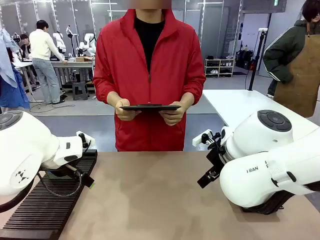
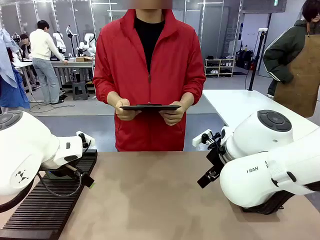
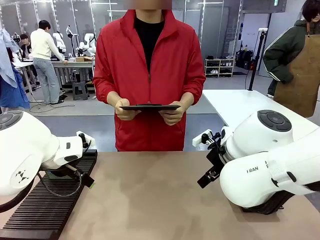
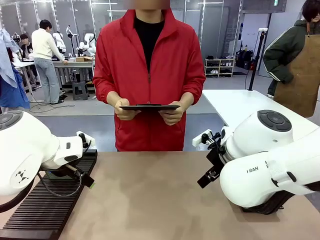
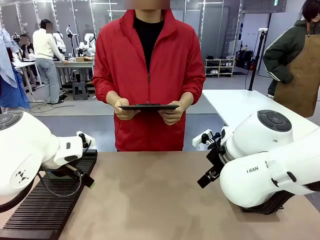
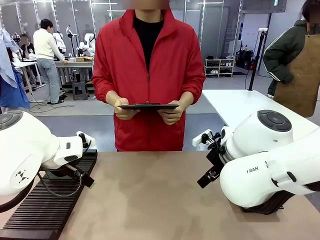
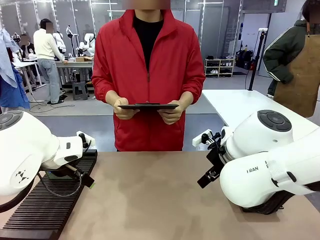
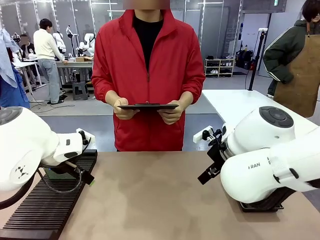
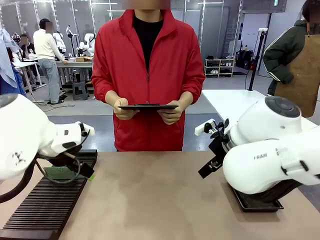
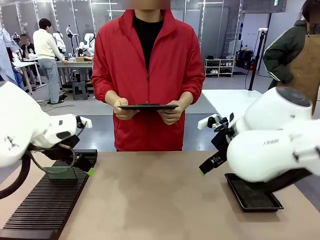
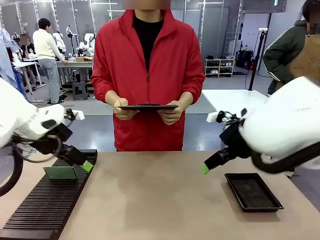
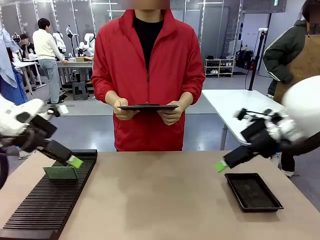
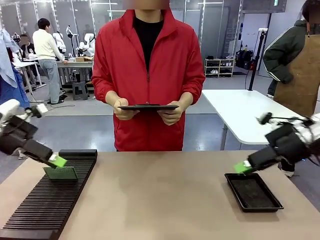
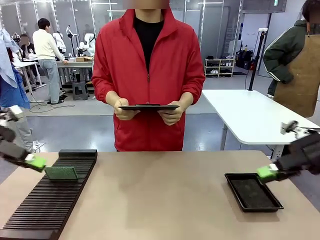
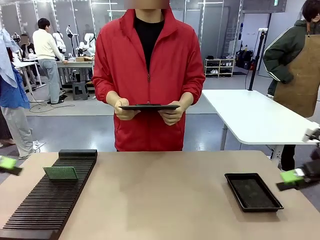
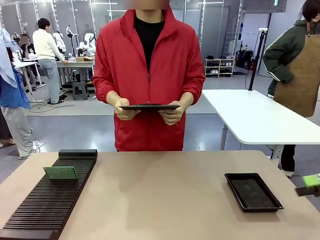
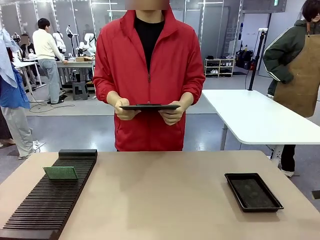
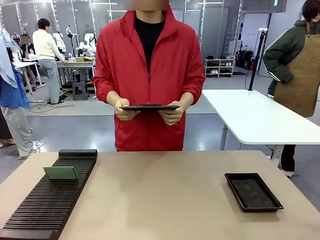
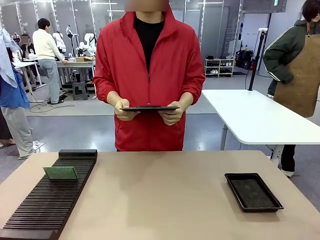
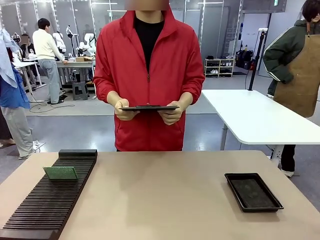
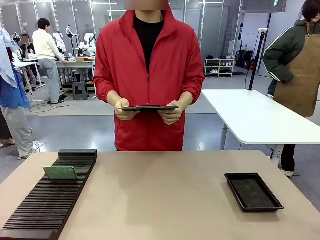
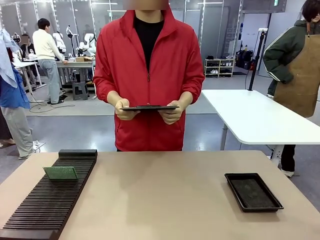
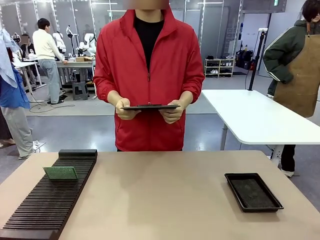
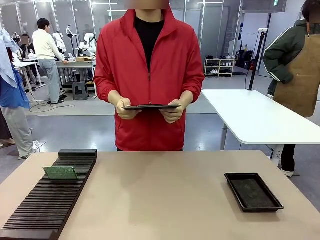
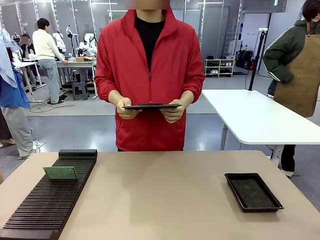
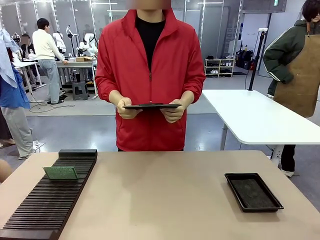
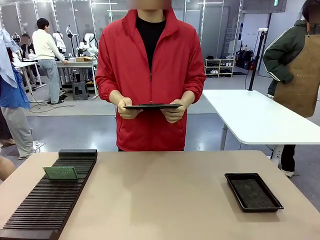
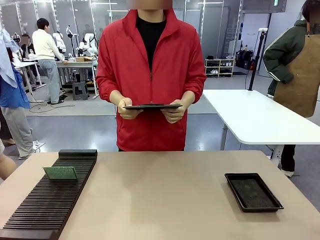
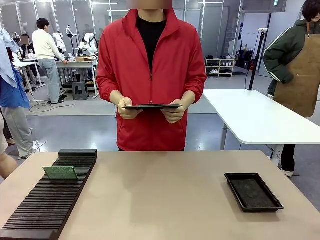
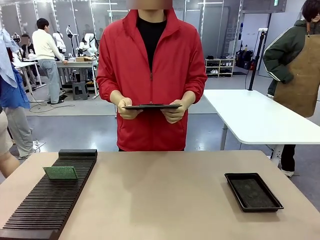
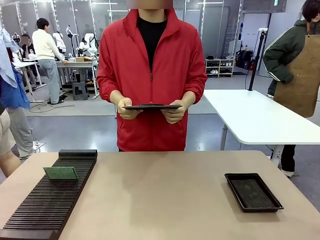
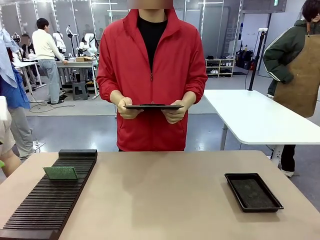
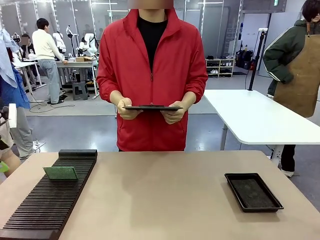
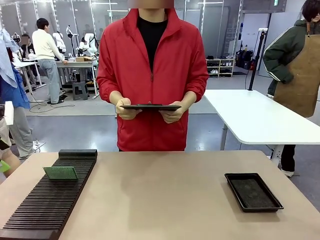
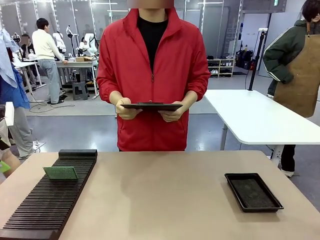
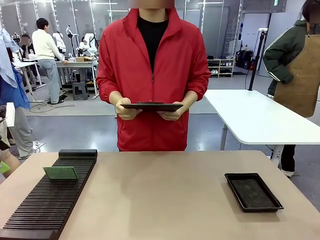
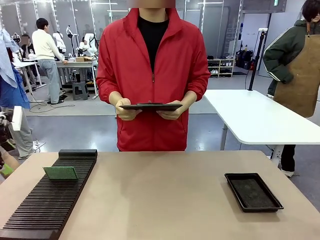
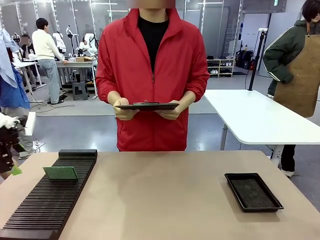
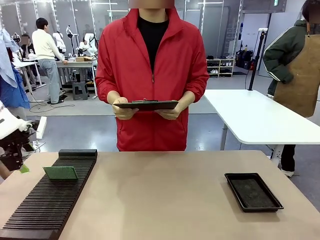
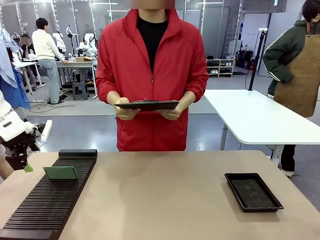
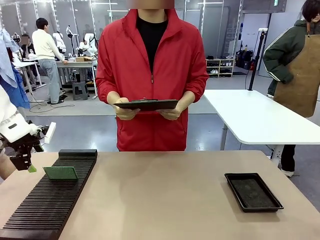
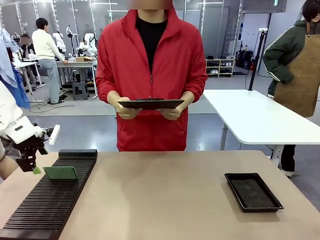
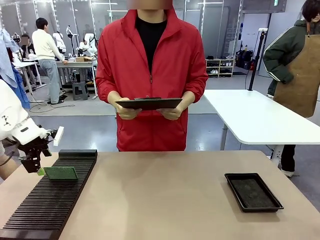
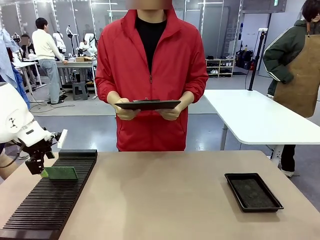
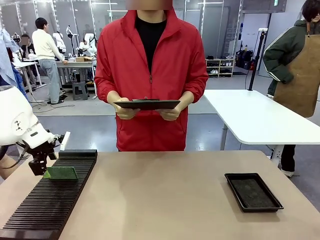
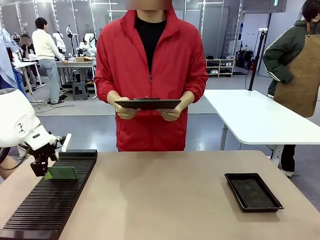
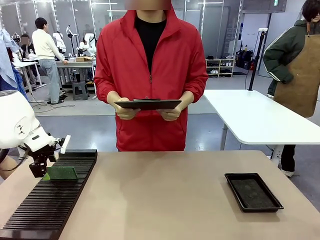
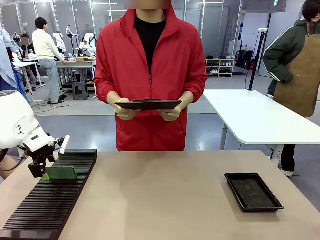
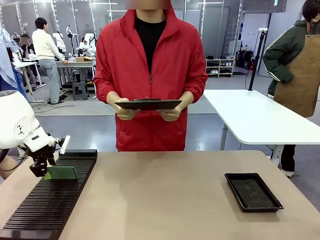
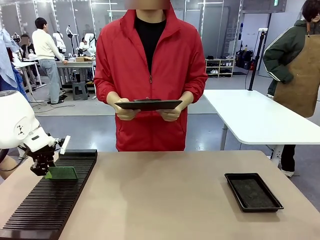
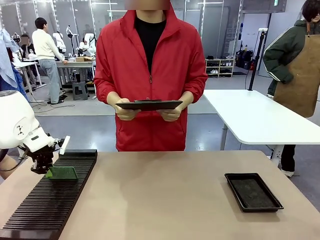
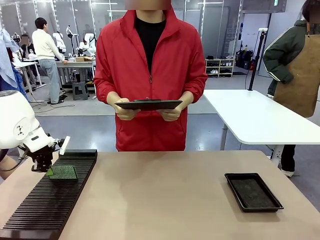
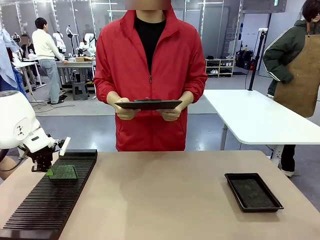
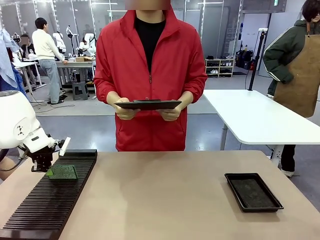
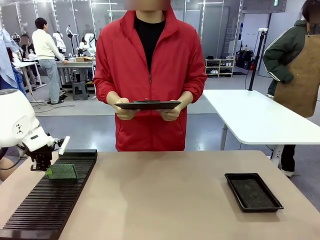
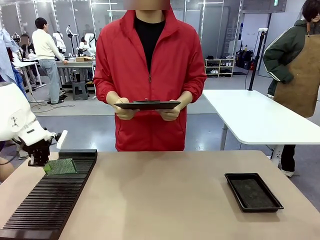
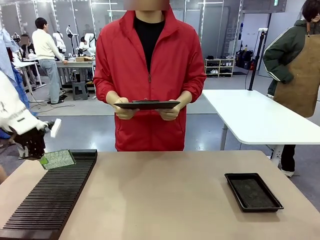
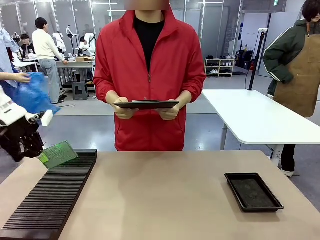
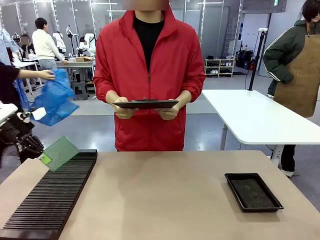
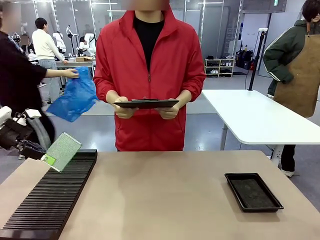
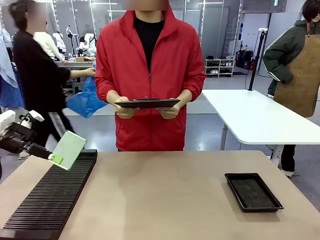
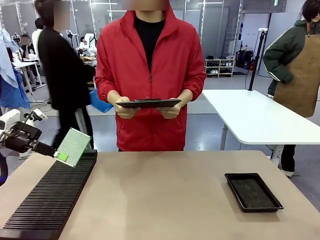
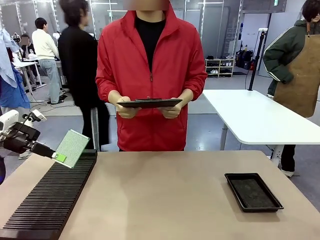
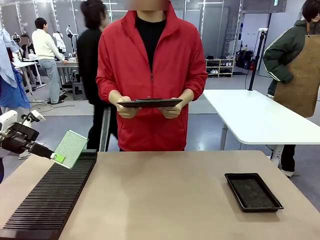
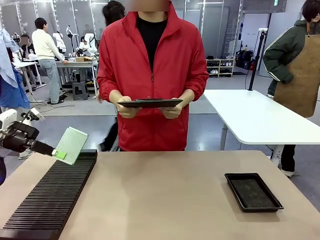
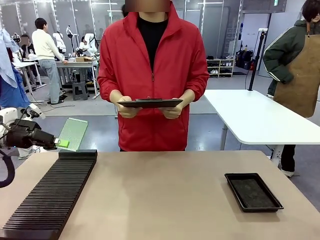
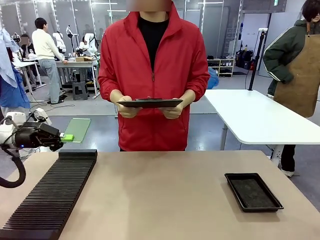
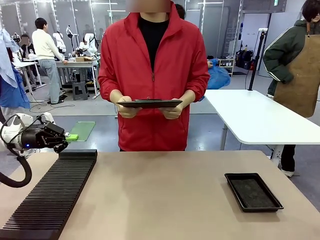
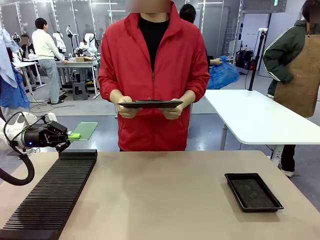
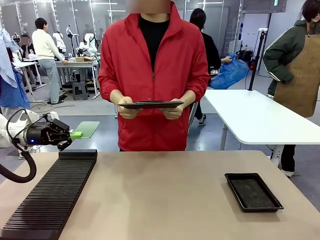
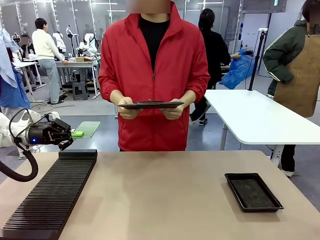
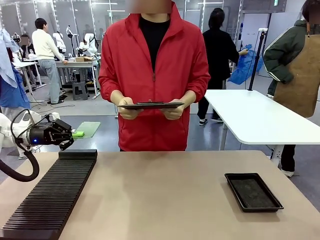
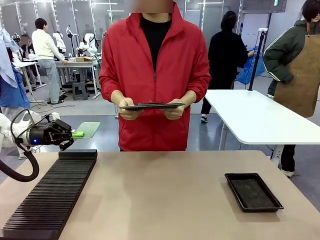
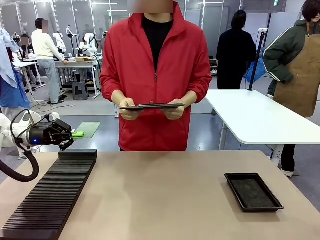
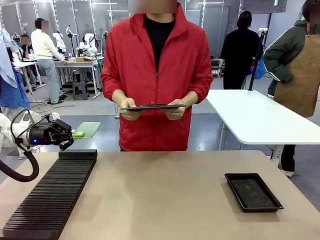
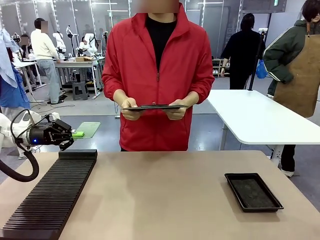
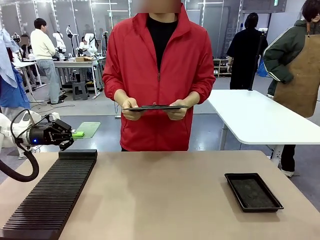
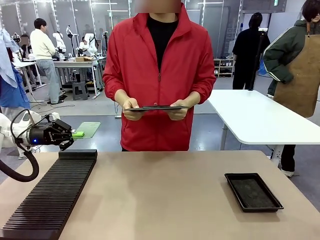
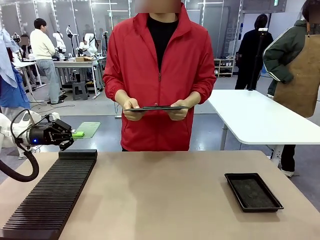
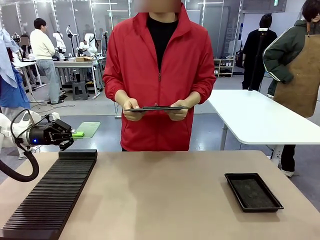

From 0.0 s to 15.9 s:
Task: Inspect the PCB.
Robot: Pick up the Blank PCB and present it to the human.
Person: Pick up the PCB presented by the robot.

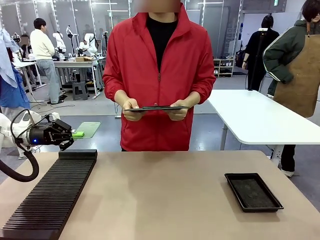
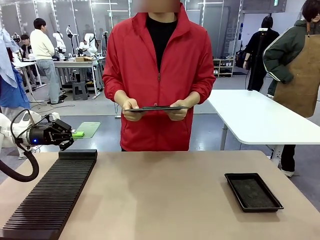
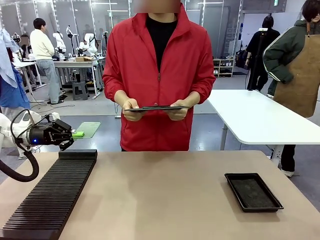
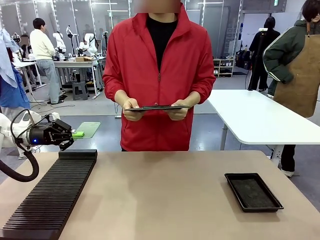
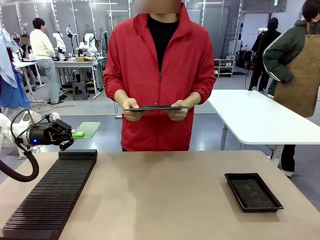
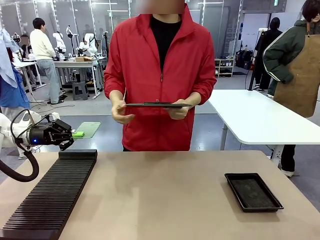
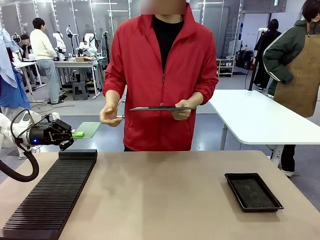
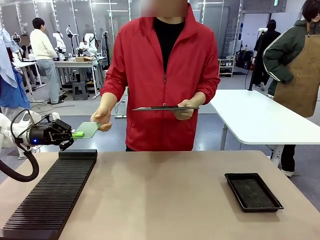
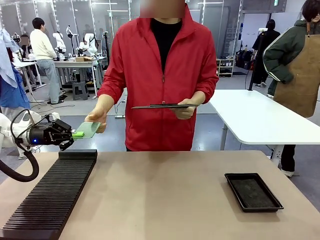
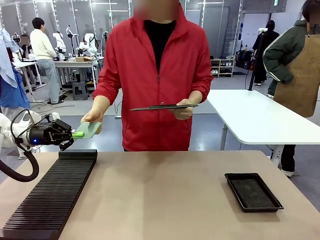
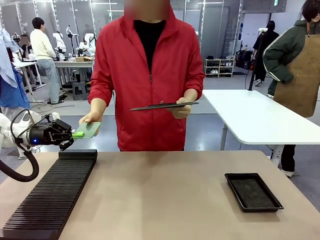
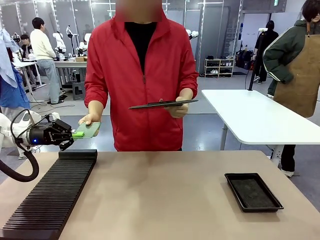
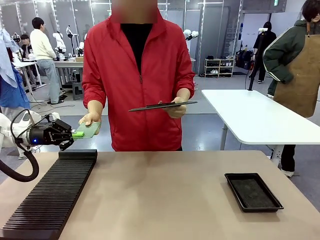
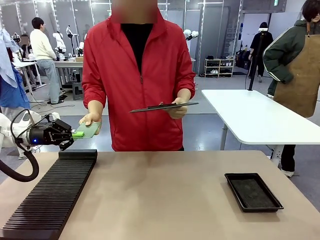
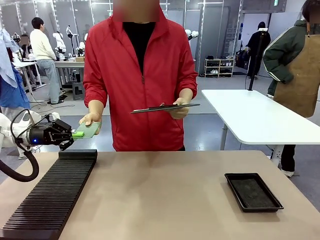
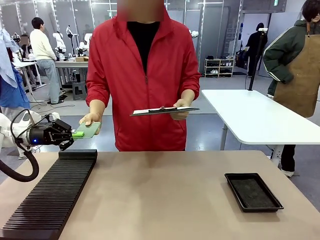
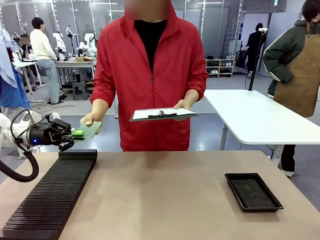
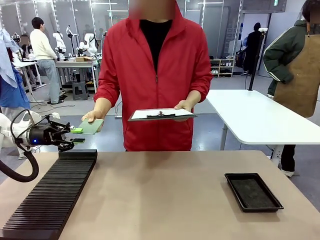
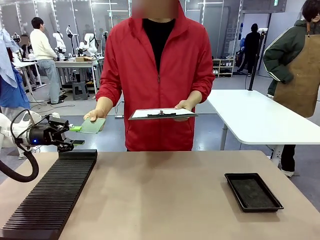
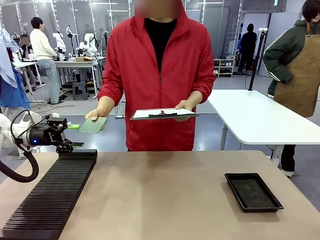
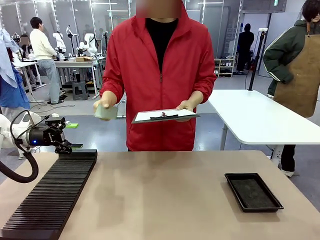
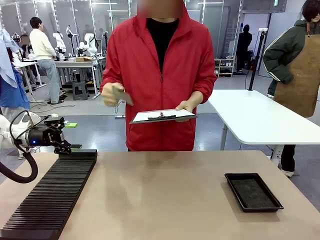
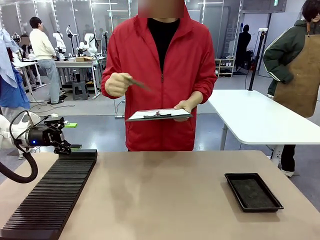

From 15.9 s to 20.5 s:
Robot: Release the Blank PCB you were holding.
